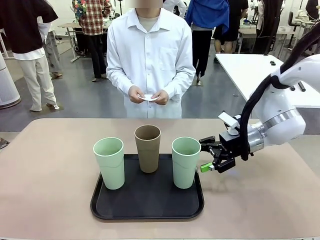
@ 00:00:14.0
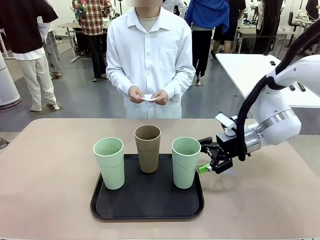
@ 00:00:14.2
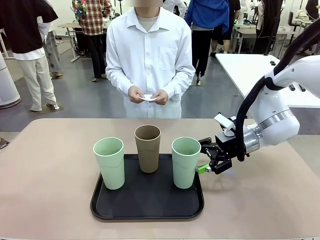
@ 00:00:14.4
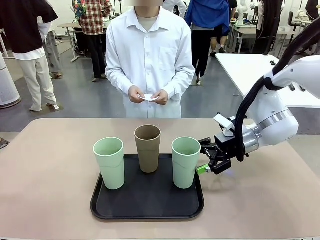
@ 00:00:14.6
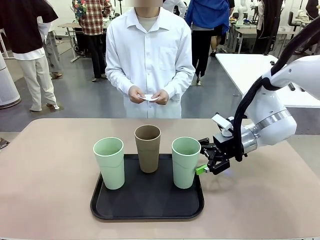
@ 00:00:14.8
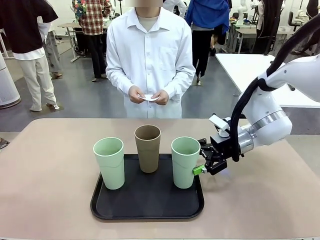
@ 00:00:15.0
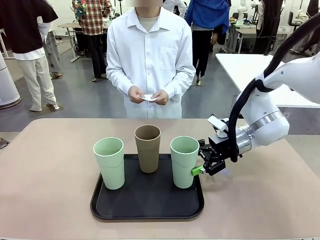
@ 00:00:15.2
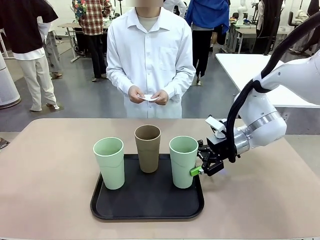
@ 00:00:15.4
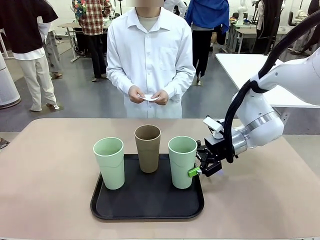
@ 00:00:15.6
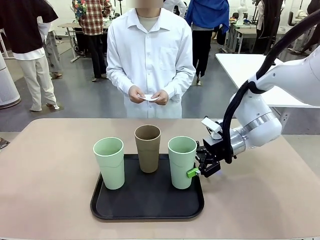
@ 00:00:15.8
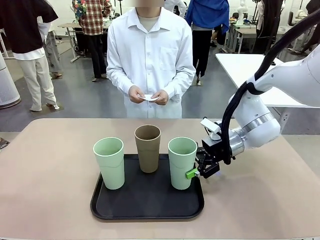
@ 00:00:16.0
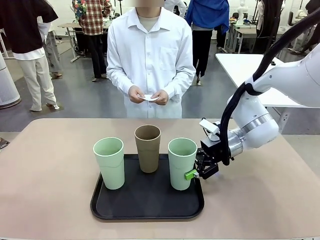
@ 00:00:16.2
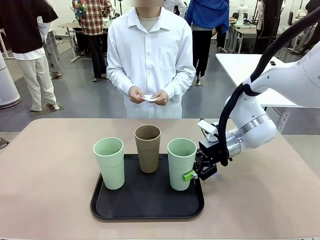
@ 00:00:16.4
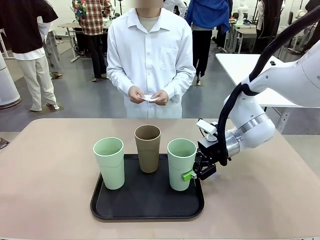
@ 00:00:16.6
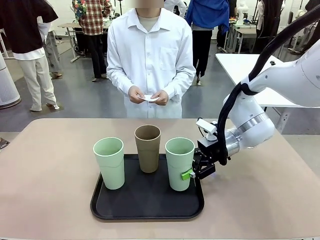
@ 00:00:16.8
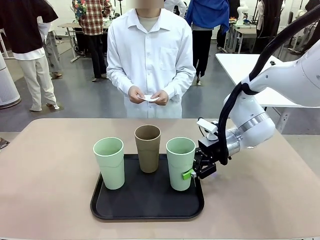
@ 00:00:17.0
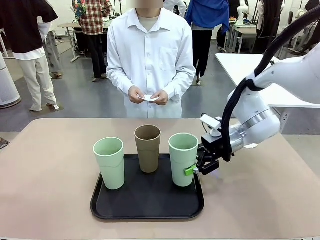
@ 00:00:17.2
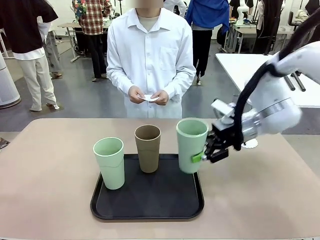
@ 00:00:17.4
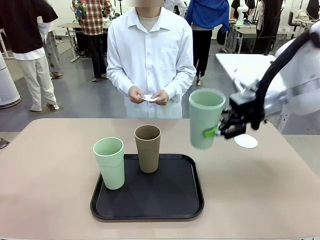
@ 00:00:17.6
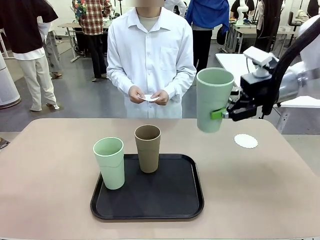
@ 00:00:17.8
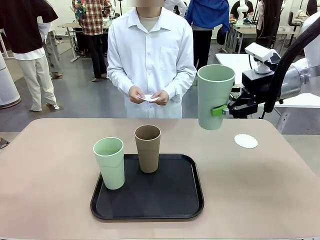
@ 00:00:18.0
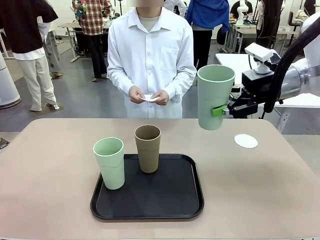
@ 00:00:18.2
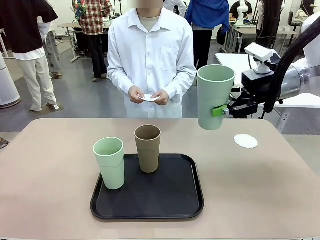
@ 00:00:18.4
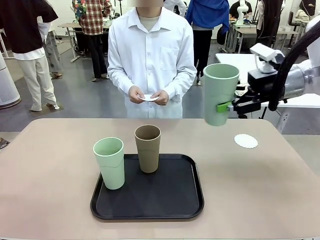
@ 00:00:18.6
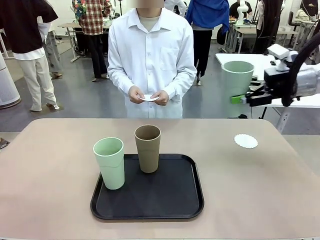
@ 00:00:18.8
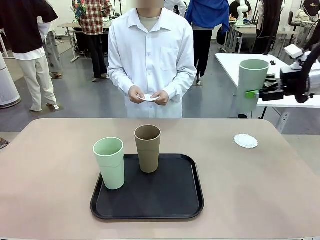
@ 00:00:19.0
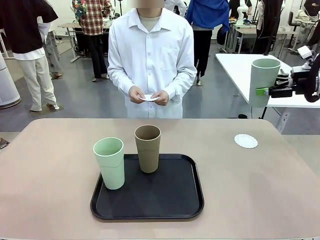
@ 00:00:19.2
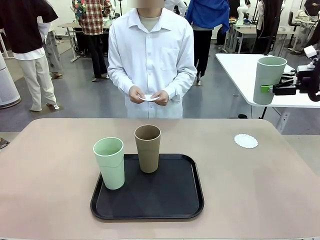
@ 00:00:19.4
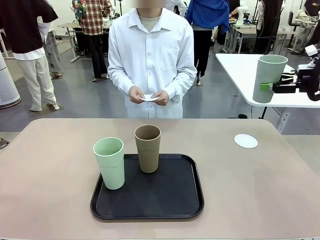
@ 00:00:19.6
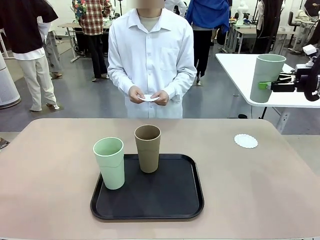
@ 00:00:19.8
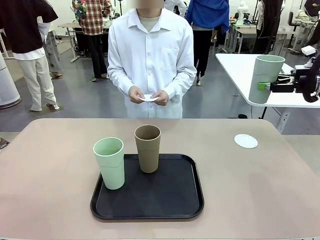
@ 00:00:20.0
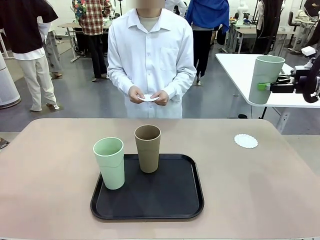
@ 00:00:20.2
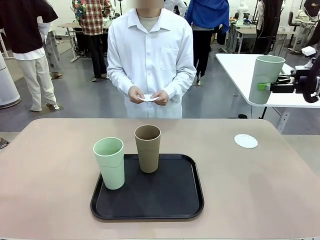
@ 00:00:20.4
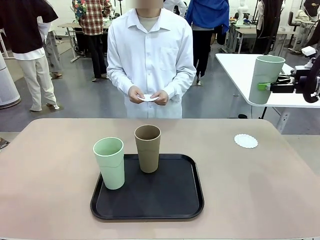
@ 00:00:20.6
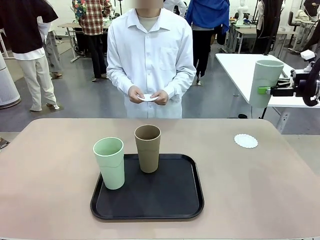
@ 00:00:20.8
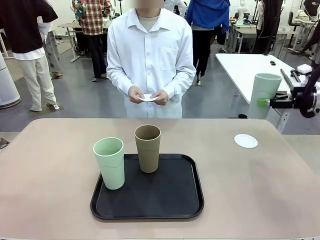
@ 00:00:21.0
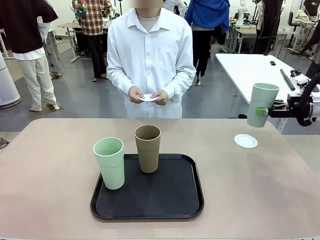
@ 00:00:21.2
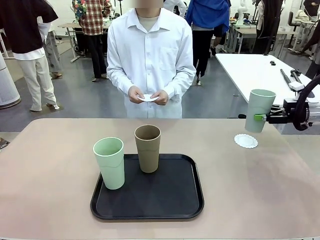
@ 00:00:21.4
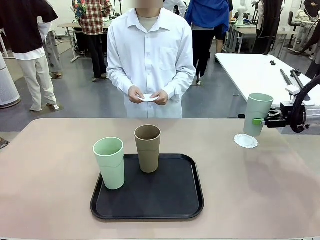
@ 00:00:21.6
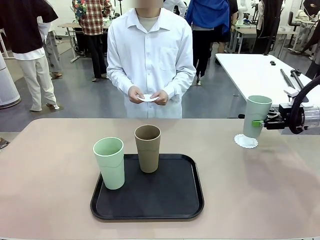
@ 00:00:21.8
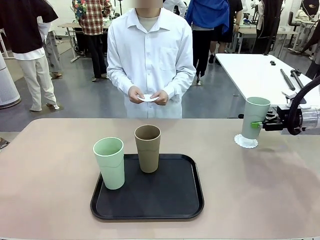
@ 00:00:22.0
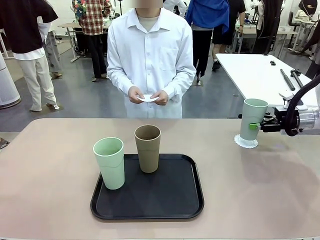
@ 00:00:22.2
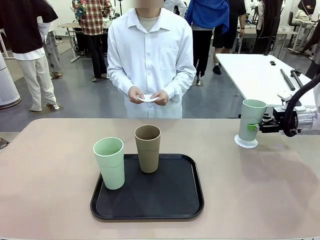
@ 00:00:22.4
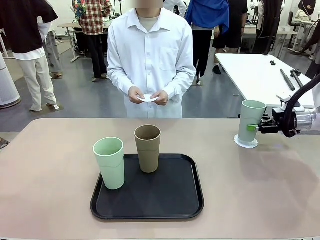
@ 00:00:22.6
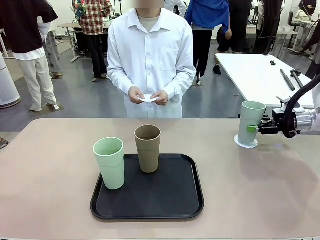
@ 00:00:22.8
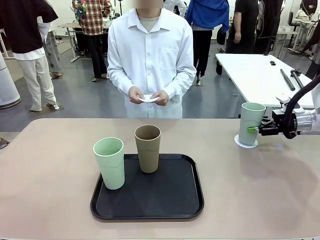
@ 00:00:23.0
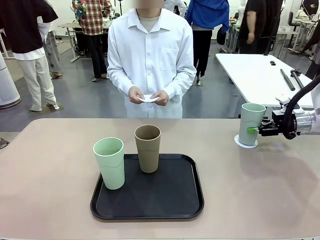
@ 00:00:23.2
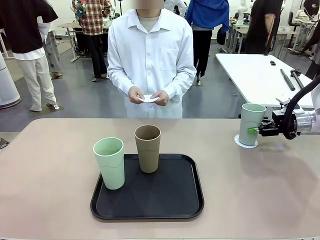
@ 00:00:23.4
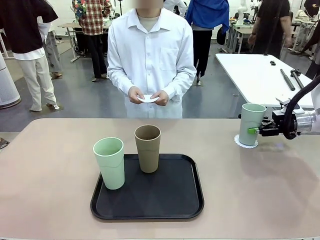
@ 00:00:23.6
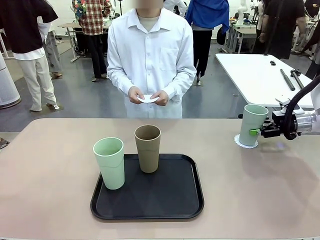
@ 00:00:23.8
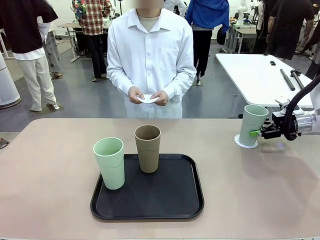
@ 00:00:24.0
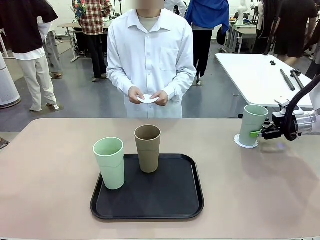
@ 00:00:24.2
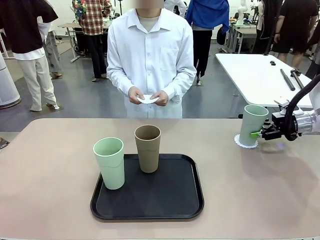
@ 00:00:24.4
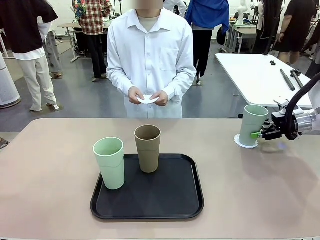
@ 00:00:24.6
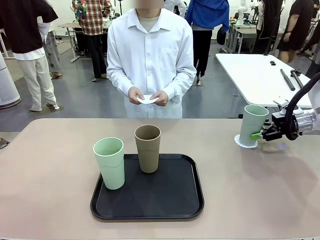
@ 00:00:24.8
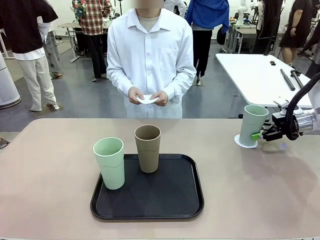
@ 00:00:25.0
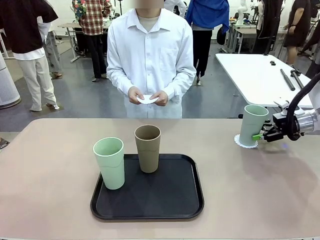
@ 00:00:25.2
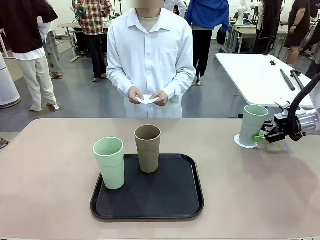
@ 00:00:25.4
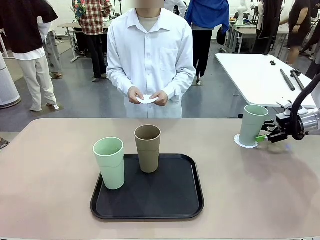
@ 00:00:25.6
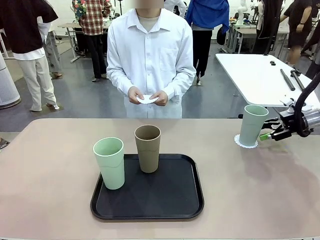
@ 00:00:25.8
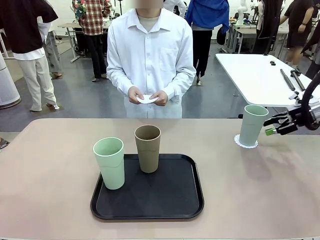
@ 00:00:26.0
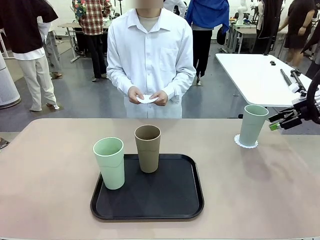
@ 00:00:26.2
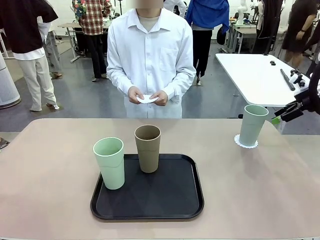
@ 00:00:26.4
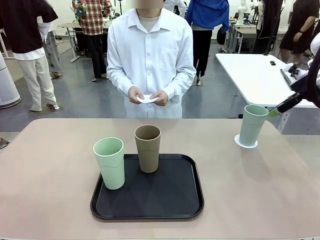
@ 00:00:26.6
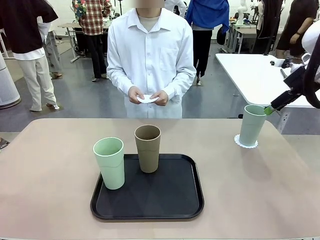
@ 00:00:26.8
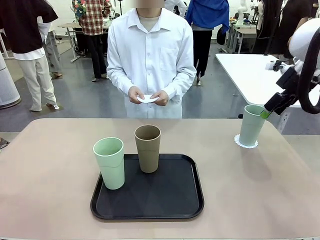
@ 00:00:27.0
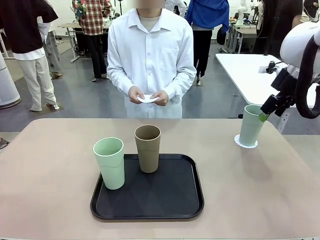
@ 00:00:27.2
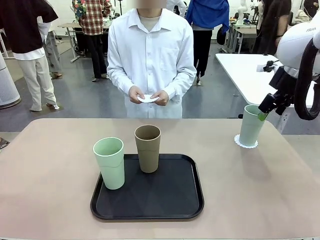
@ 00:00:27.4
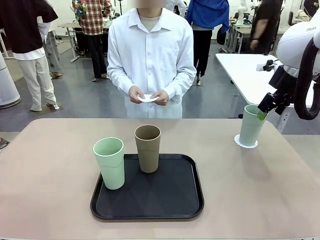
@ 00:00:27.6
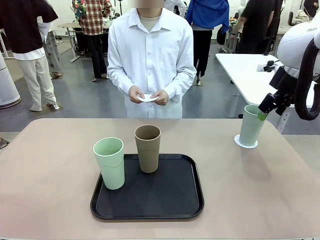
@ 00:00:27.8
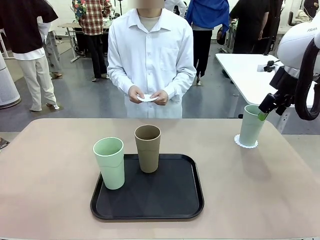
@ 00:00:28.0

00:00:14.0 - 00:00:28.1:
Task: Place coasters on the table and set cups on them.
Robot: Pick up one Reusable plastic cup and place it on a coaster set by the human.
Person: Place one coaster in one of the two areas excluding the previously selected area.
